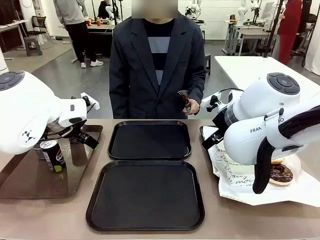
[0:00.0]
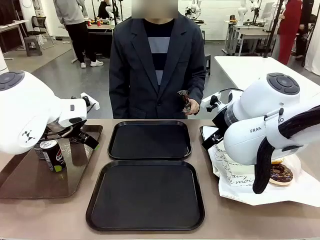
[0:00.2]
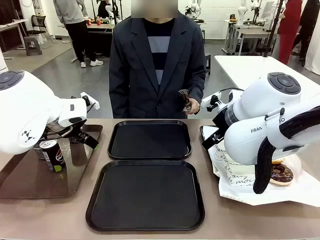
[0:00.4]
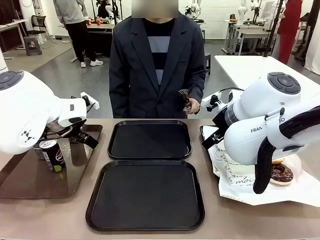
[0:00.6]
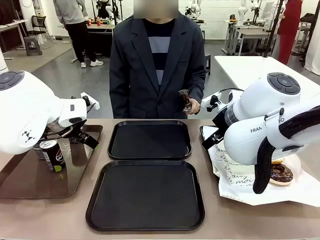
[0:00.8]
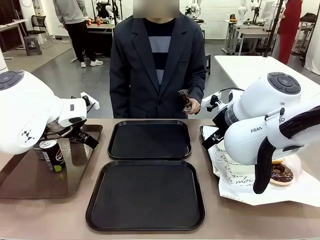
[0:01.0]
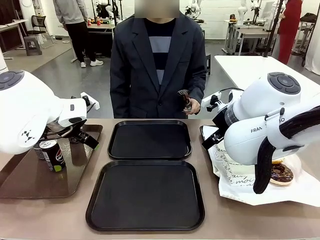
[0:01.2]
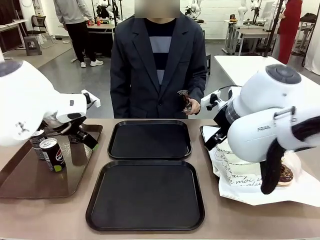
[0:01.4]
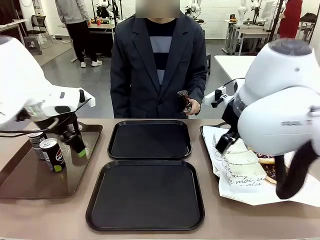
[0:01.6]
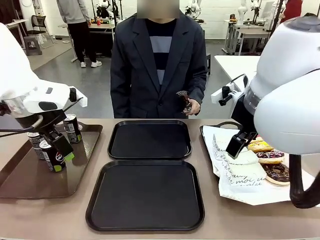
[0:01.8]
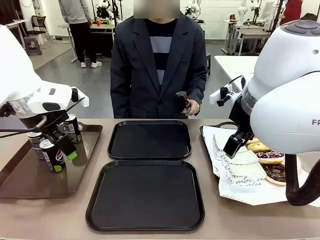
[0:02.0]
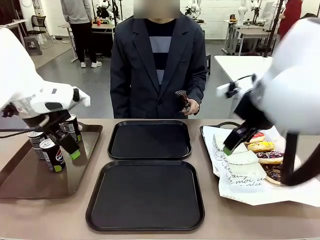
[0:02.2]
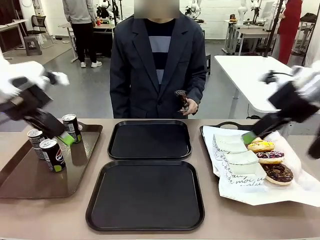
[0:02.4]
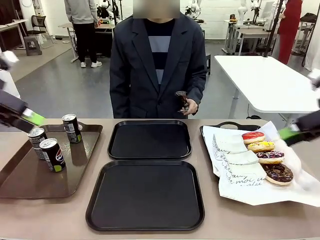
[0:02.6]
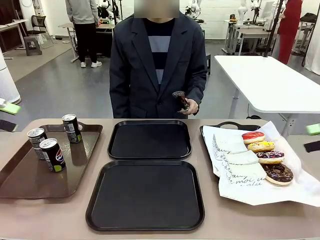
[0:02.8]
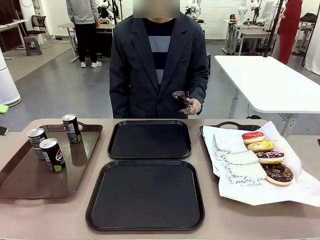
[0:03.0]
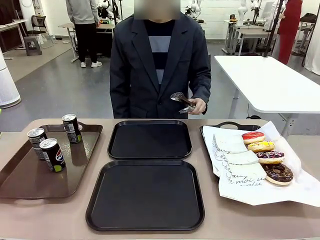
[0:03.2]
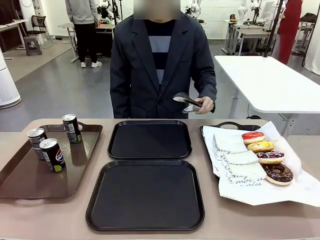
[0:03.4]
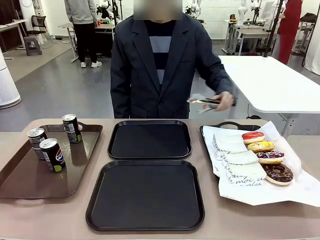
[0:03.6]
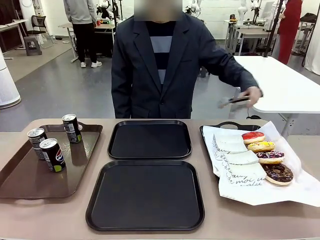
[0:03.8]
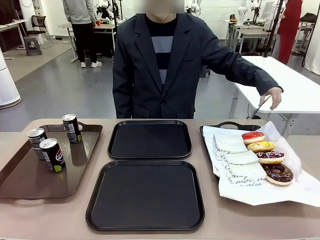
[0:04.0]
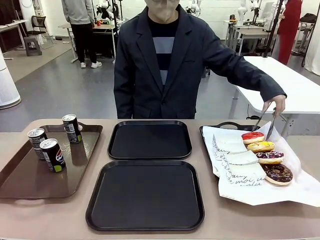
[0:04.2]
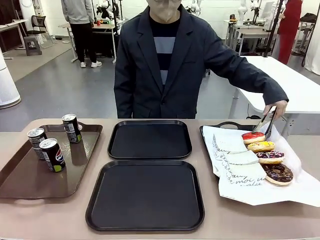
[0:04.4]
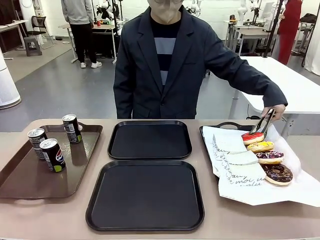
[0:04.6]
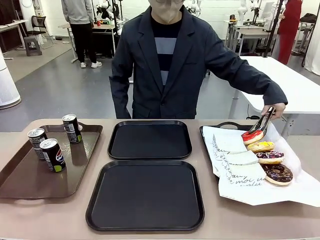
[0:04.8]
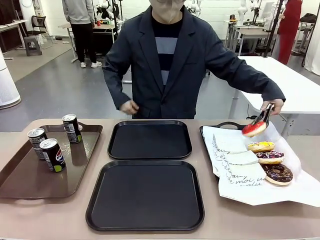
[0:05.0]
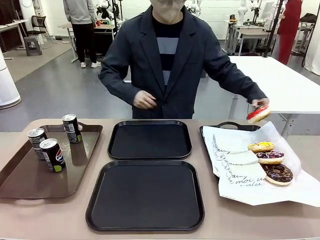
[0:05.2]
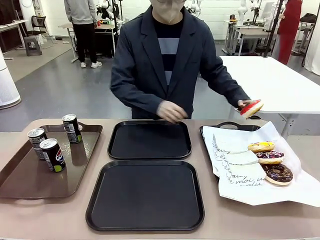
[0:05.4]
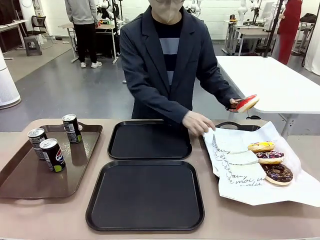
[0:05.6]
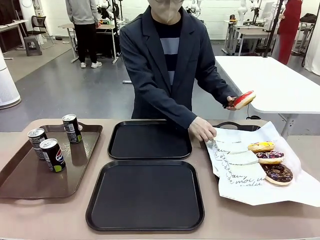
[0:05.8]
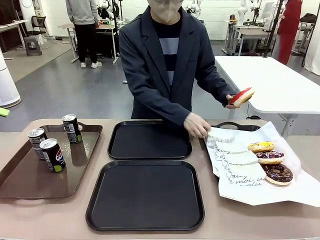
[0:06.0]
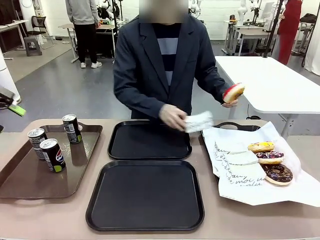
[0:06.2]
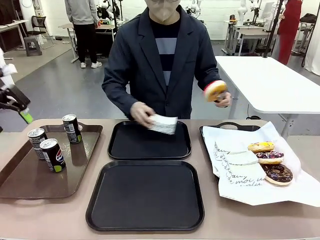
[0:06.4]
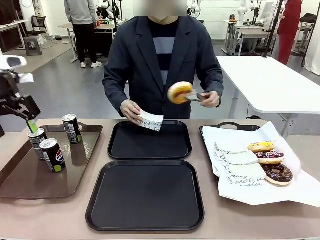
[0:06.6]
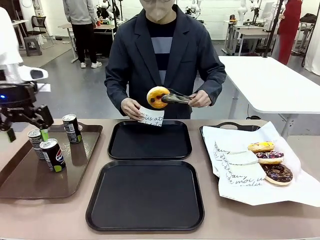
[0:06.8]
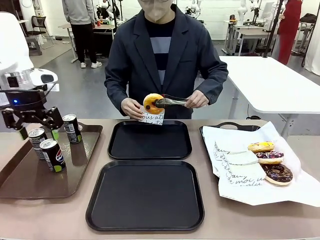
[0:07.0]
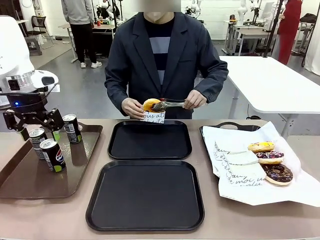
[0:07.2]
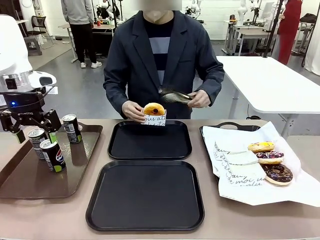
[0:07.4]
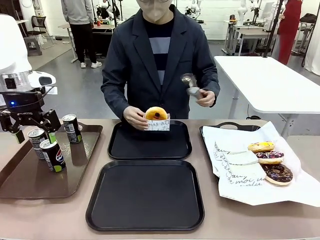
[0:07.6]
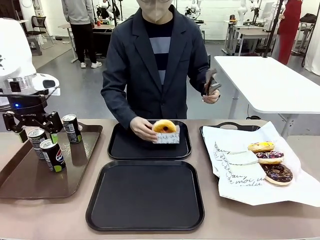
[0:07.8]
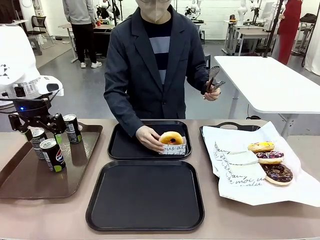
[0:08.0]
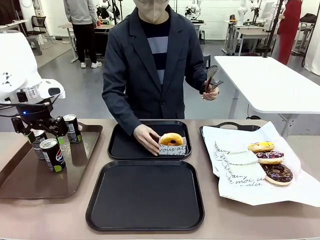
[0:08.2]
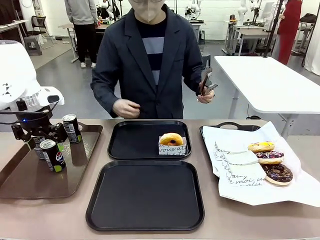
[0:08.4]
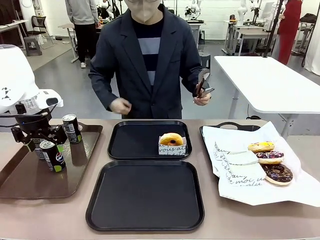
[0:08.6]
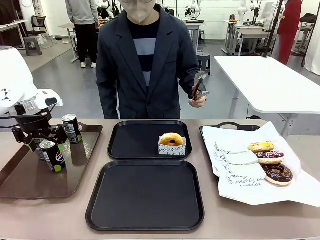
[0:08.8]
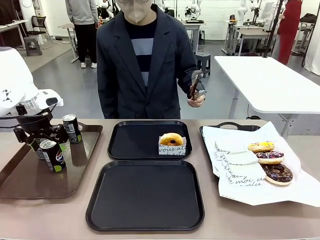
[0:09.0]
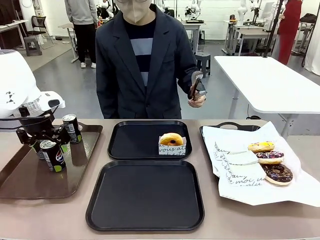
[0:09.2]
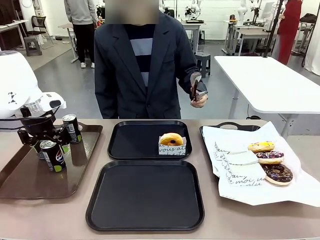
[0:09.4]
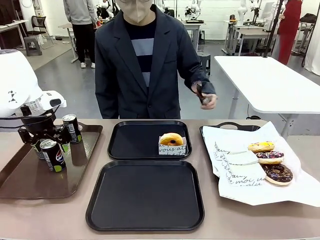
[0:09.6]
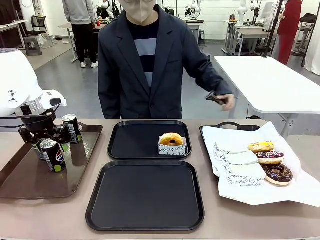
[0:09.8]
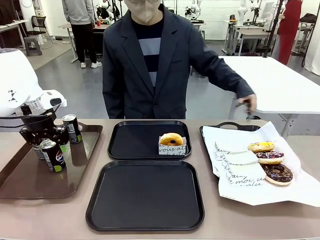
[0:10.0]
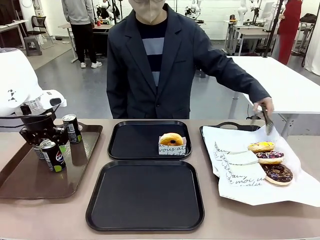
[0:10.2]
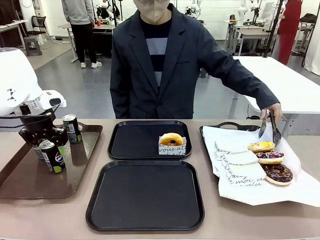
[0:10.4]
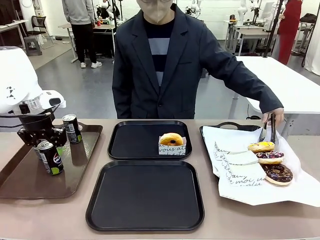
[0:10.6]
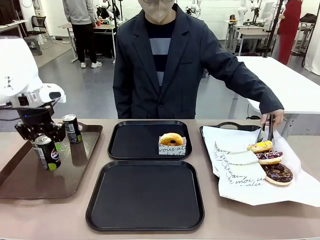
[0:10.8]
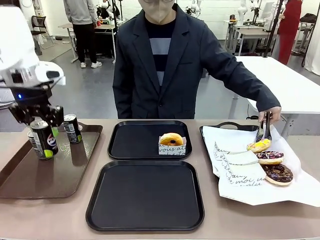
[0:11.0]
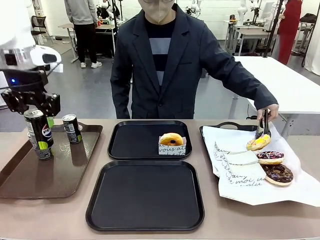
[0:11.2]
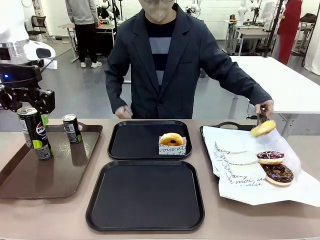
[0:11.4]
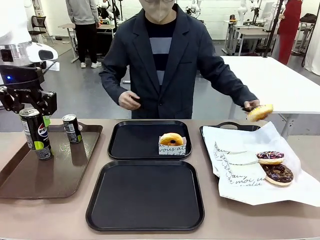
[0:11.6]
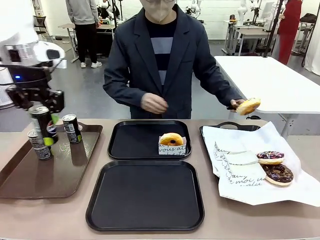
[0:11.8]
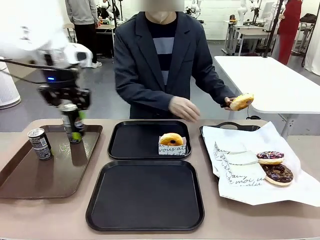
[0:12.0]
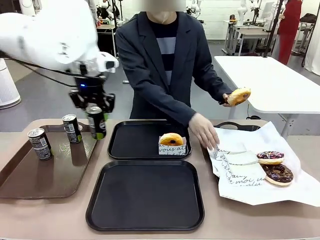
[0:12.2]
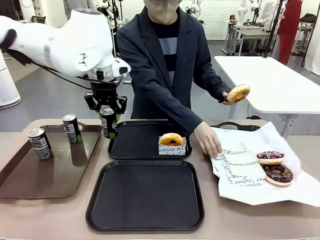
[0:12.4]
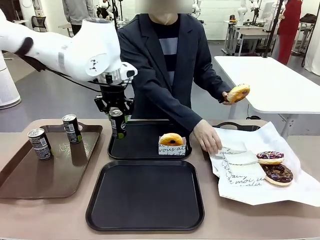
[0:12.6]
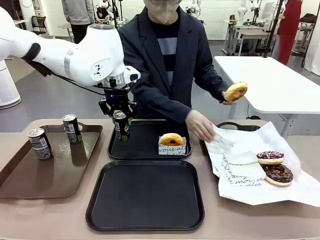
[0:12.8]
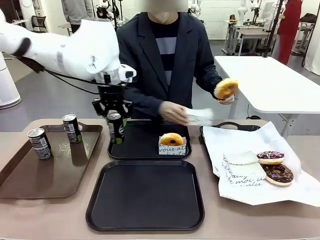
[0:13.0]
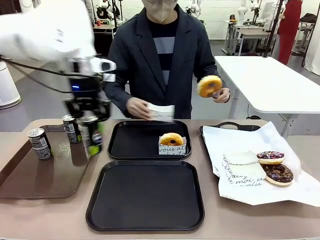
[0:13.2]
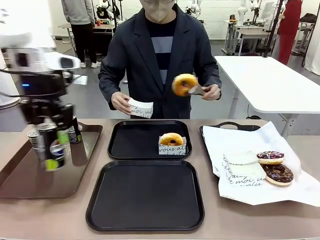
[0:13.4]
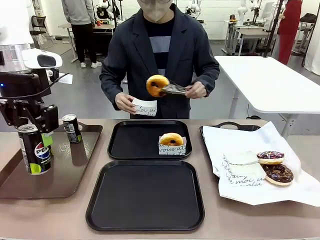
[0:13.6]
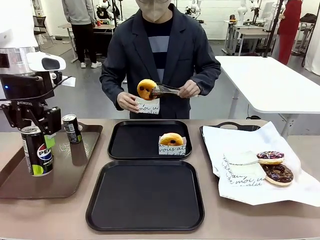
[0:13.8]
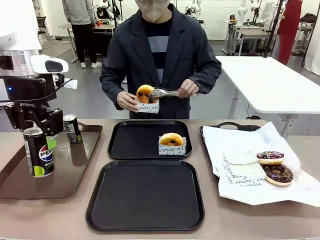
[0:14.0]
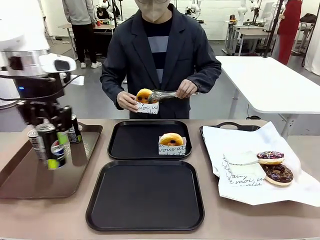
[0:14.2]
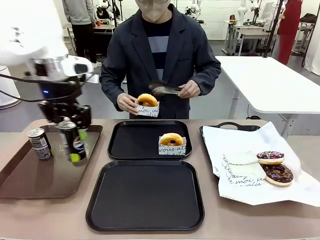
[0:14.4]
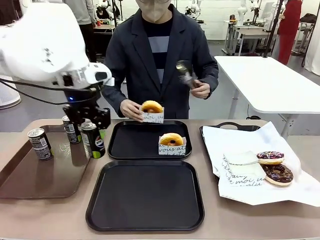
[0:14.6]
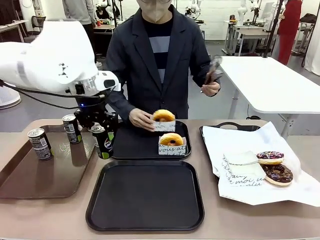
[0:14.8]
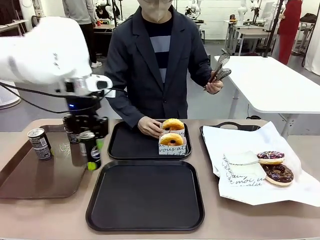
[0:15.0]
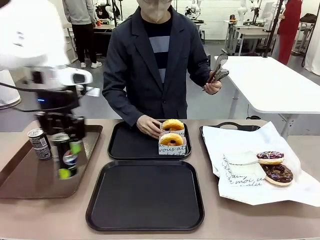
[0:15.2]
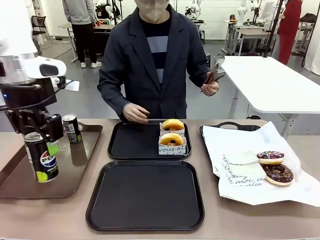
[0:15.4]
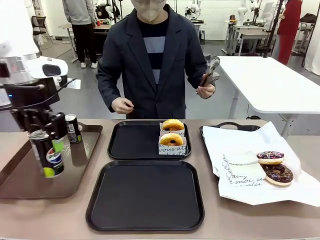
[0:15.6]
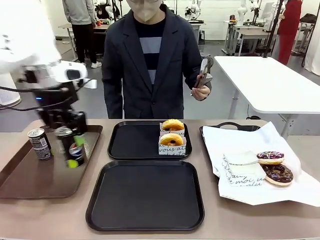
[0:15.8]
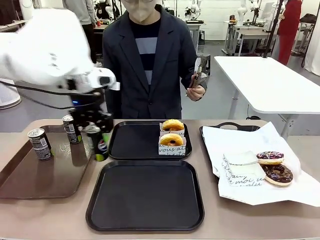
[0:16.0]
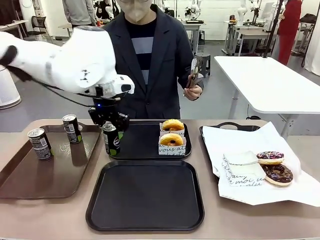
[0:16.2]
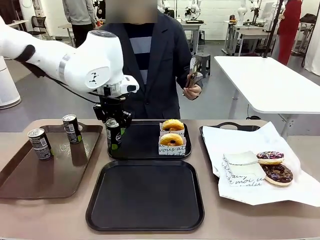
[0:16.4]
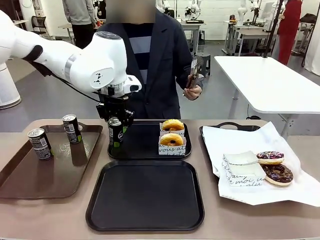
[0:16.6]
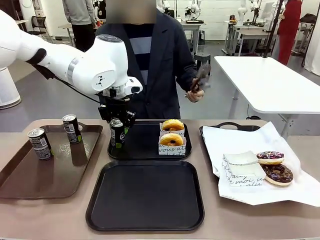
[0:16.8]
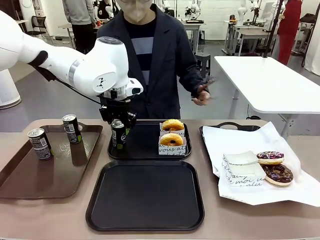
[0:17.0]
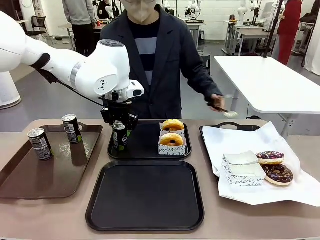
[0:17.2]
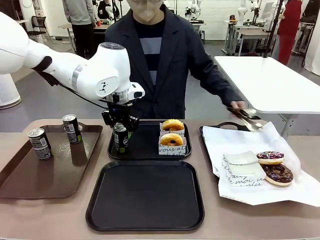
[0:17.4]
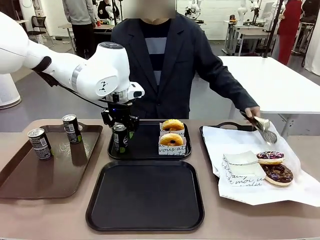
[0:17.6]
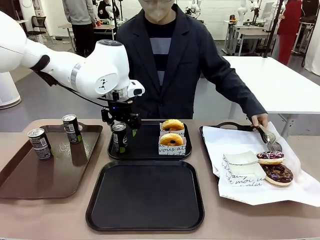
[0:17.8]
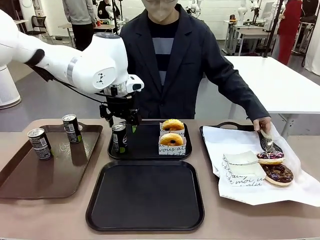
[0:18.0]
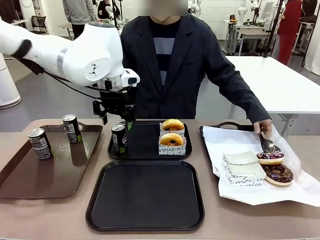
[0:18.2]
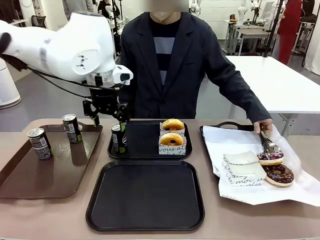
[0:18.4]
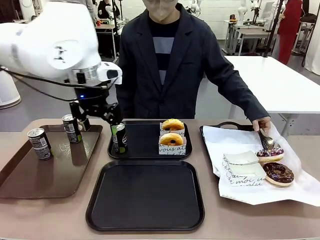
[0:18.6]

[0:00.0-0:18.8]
Task: Set up donuts and drinks on trays.
Robot: Pick up one Pepsi coke and place it on the Flat Tray.
Person: Pick up one donut with tongs, place it in the donut tray, and then place the donut tray on the flat tray.
